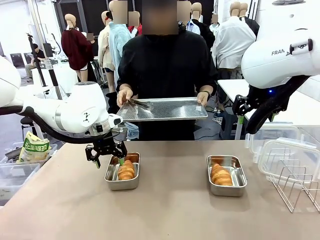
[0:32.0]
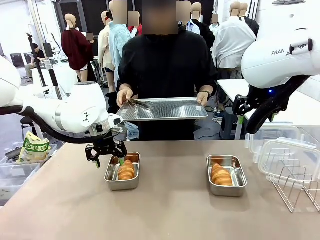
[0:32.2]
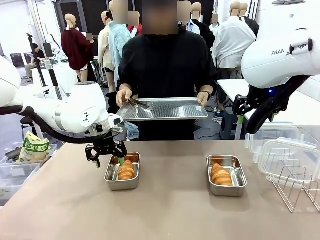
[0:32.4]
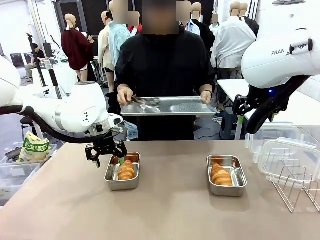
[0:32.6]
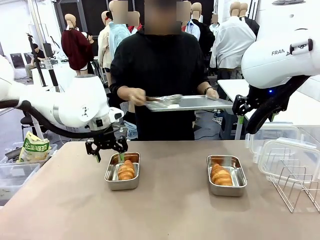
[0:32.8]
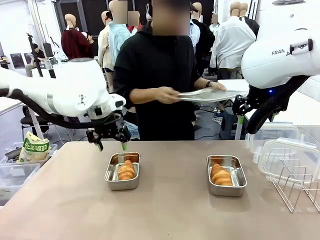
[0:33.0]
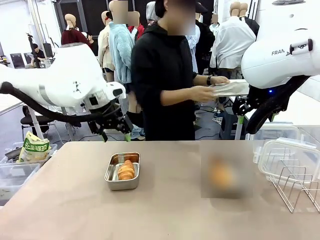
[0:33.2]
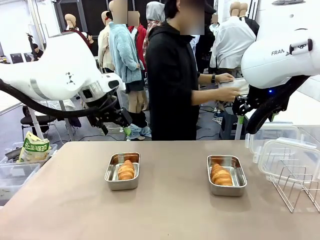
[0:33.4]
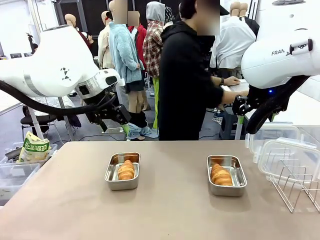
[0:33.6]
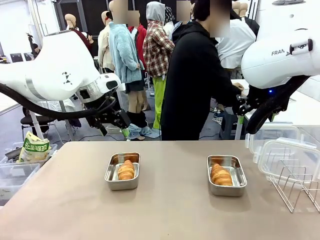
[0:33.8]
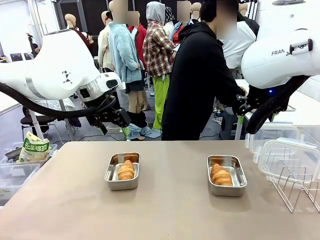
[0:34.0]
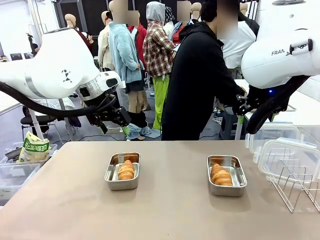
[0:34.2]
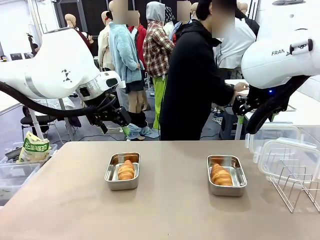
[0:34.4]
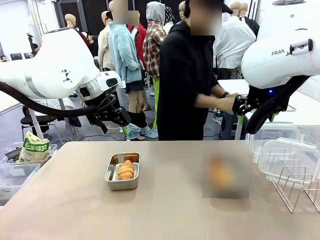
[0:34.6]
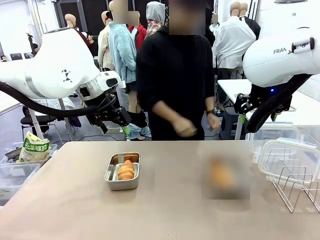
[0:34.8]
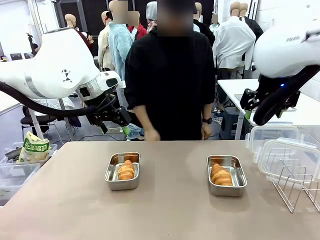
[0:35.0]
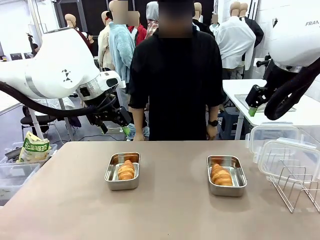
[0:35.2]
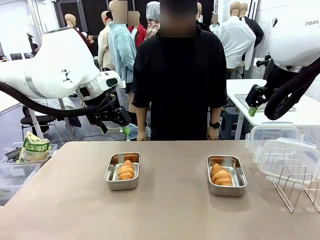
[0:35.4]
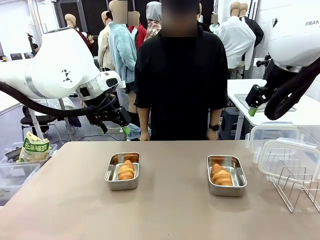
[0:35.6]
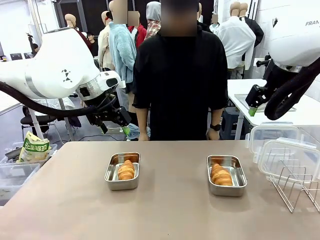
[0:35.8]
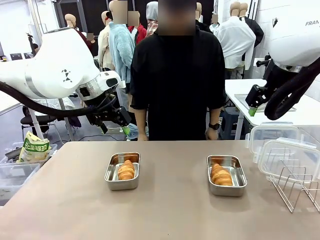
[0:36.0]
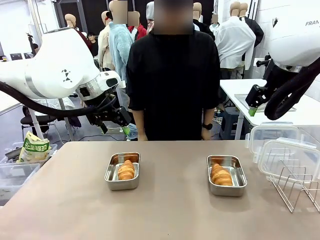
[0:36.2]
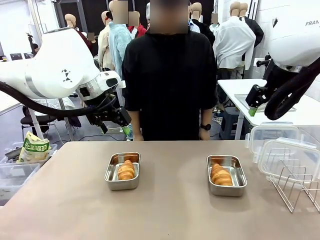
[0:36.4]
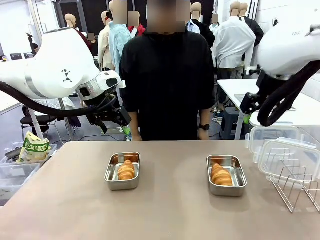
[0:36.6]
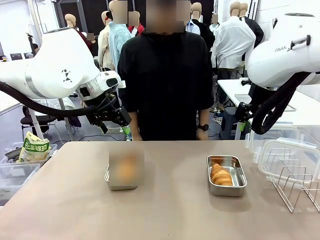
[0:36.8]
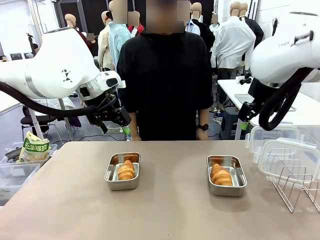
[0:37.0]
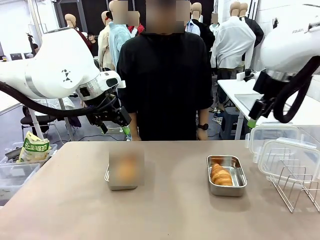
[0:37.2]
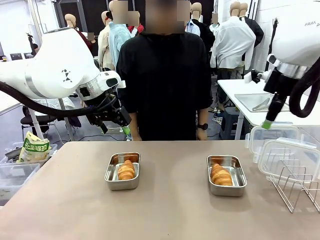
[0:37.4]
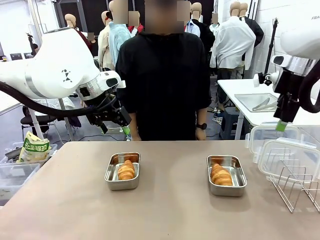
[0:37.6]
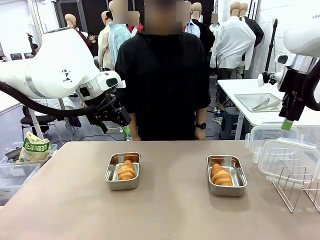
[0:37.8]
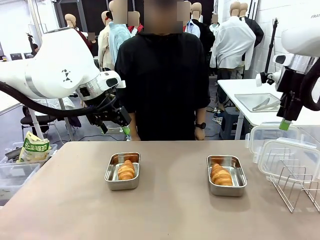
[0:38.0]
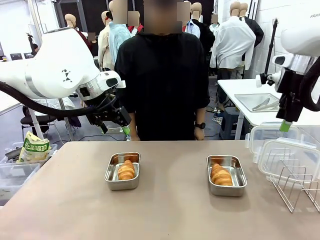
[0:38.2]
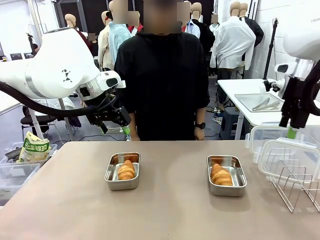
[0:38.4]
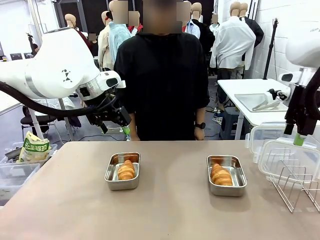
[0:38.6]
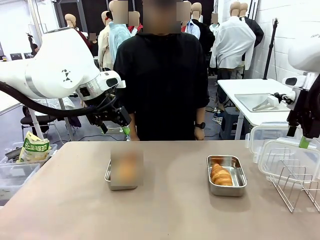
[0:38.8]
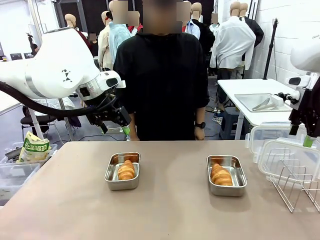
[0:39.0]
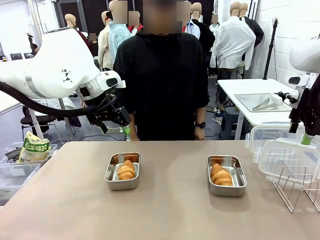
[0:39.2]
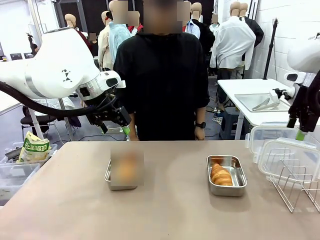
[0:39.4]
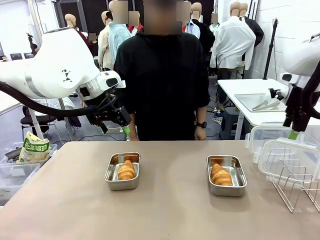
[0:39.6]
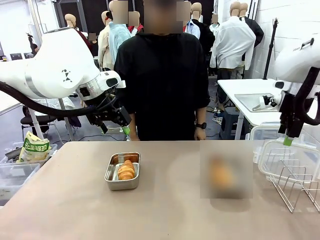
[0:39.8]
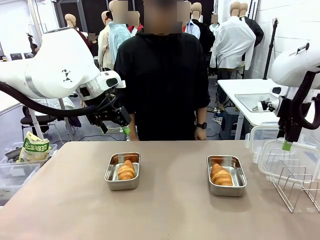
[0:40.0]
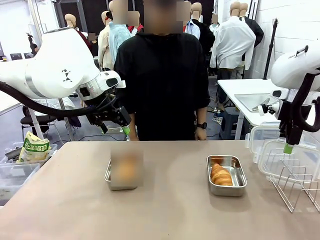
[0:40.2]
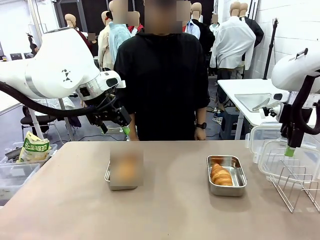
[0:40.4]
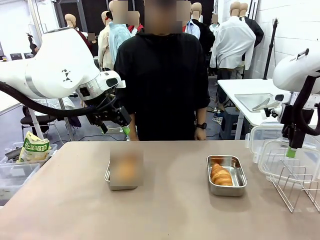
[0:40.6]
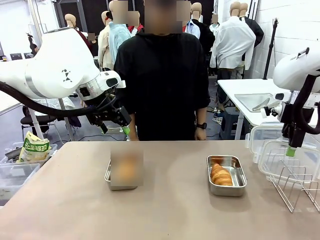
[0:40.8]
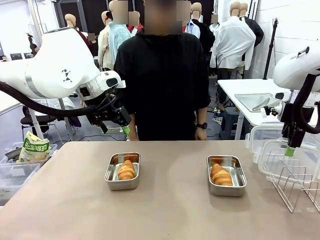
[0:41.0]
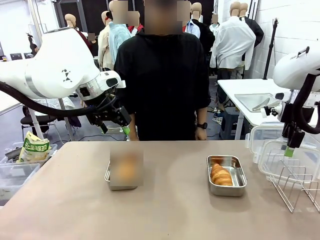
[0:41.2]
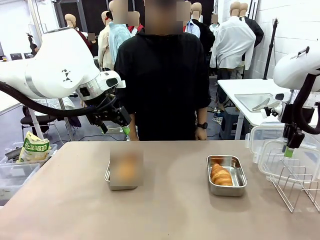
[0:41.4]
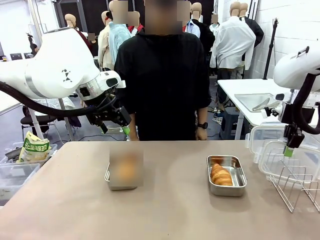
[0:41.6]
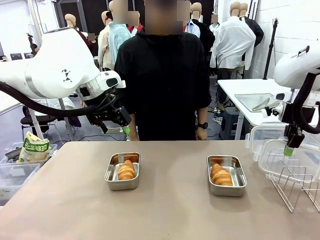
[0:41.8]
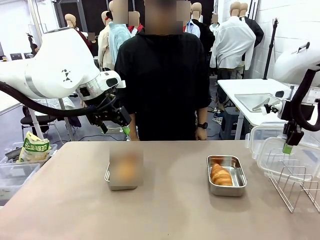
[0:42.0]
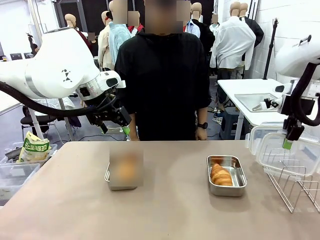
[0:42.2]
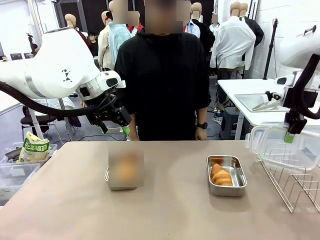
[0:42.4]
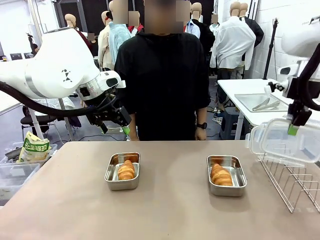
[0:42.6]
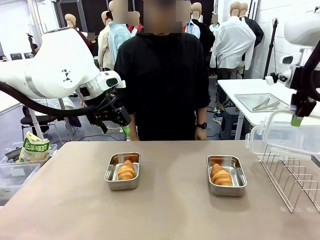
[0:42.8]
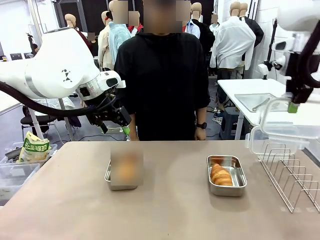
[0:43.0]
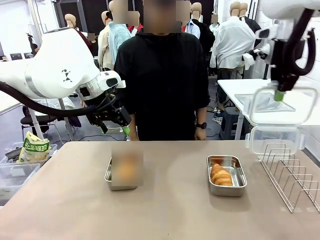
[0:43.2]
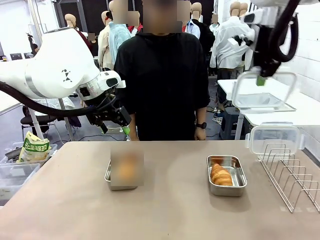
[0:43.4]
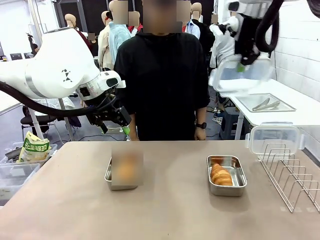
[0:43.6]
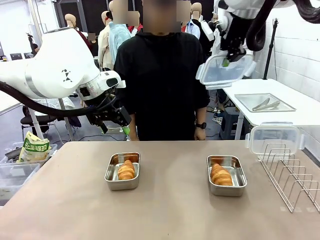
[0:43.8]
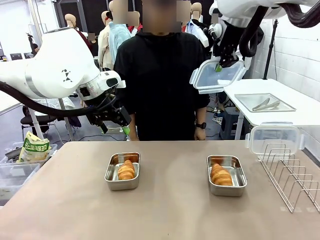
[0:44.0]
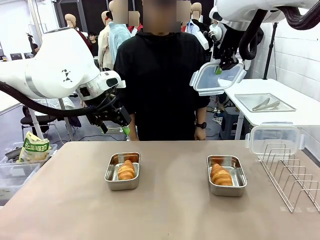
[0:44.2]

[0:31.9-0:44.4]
Task: Place the bread in airtight containers.
Robot: Pick up one Airtight Container lid and hand it to the human.
Person: Grip Airtight Container lid that robot is handing.

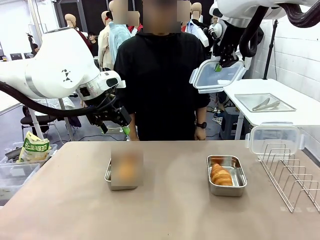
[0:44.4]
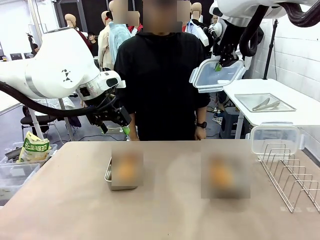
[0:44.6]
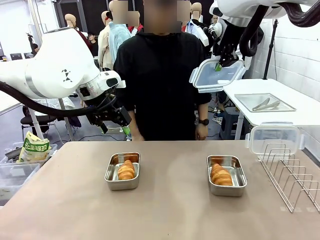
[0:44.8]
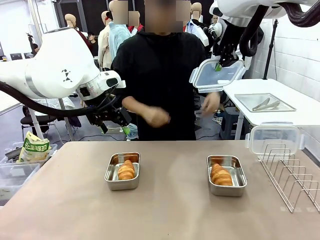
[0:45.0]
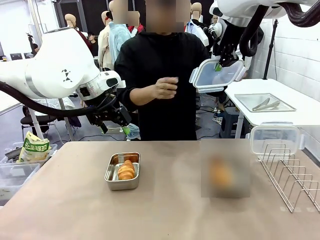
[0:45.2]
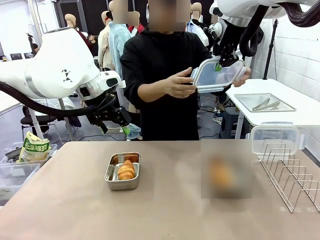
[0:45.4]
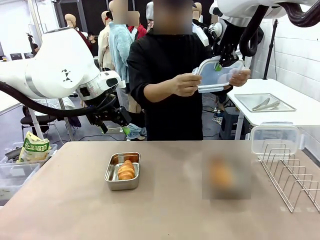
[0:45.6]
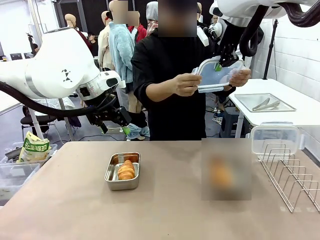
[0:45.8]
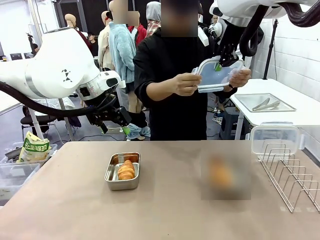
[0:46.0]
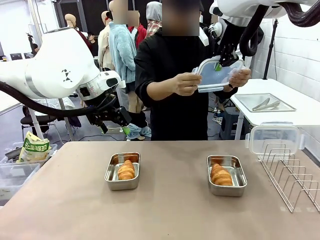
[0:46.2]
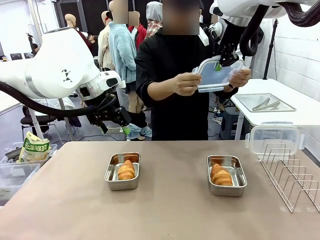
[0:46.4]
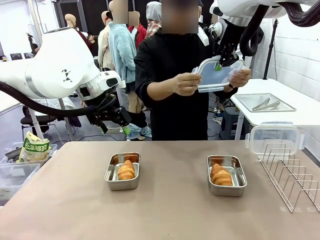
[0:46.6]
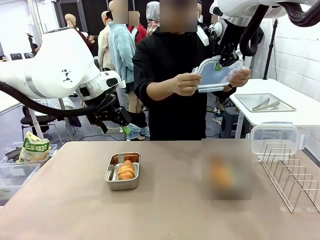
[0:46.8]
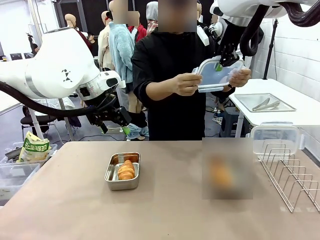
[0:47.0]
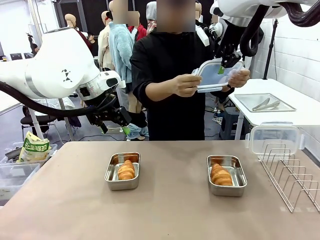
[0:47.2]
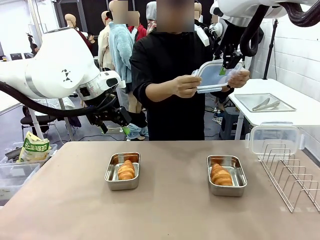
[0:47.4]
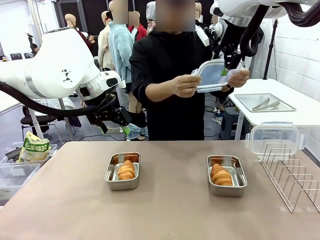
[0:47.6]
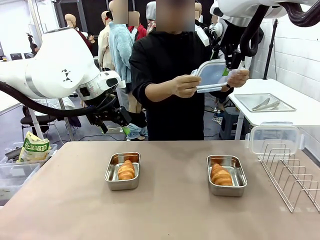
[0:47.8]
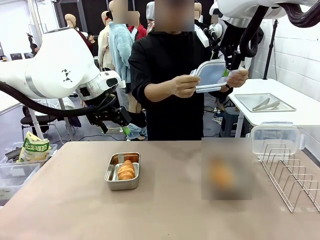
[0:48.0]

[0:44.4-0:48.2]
Robot: Release when the human grabs the Airtight Container lid.
